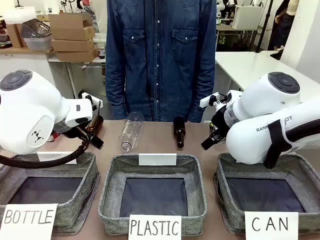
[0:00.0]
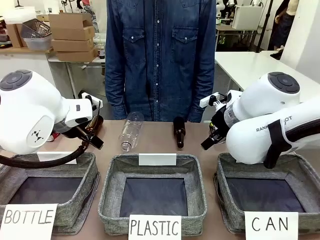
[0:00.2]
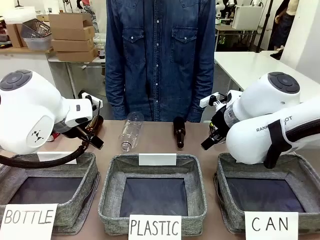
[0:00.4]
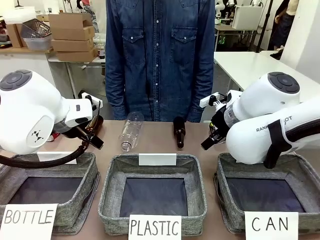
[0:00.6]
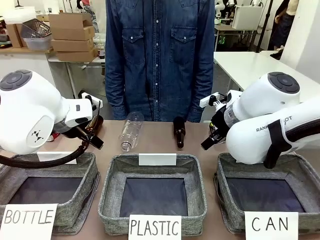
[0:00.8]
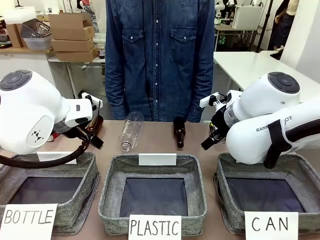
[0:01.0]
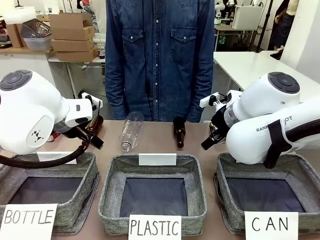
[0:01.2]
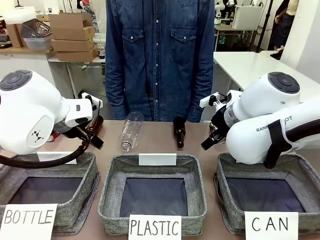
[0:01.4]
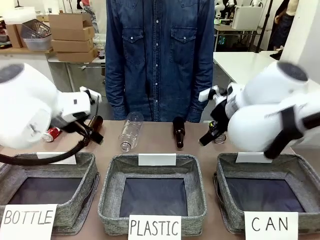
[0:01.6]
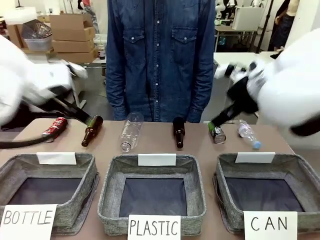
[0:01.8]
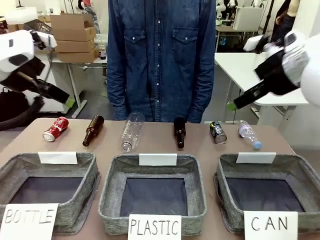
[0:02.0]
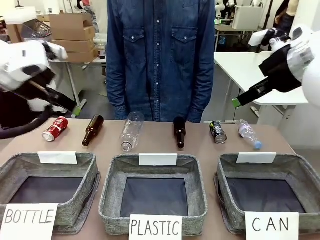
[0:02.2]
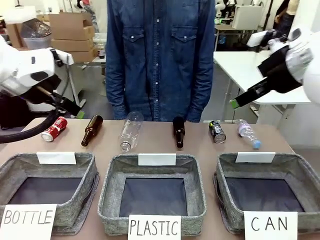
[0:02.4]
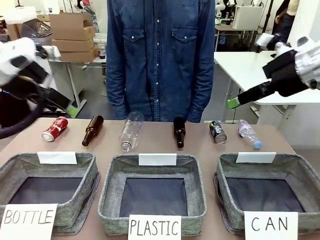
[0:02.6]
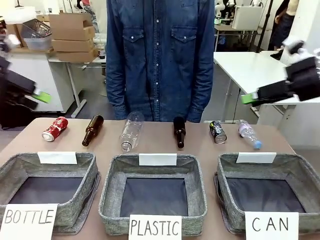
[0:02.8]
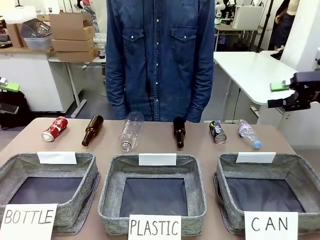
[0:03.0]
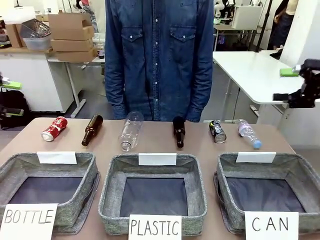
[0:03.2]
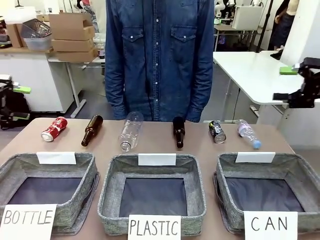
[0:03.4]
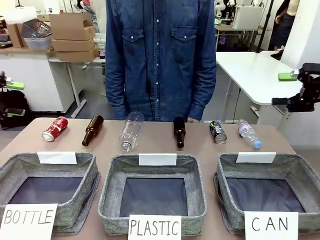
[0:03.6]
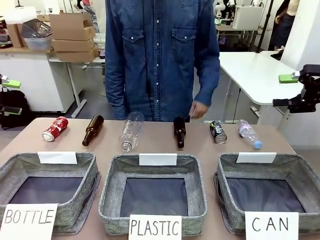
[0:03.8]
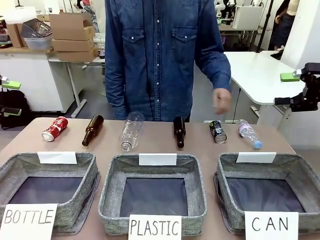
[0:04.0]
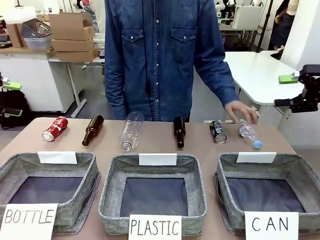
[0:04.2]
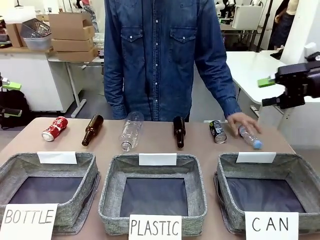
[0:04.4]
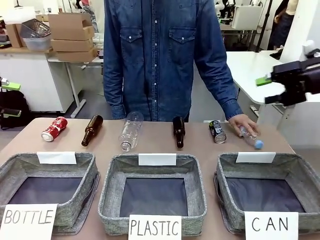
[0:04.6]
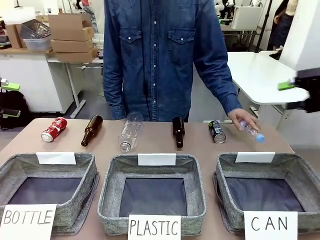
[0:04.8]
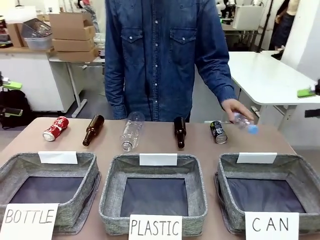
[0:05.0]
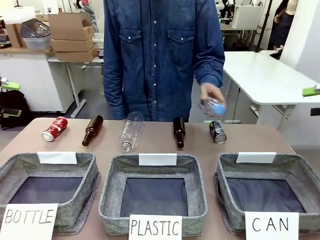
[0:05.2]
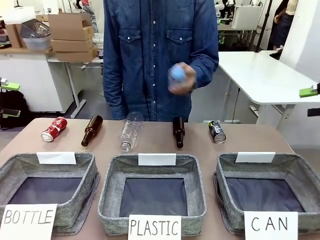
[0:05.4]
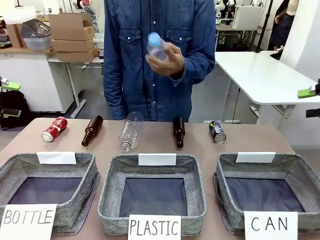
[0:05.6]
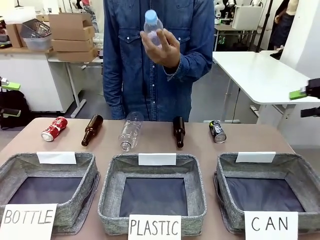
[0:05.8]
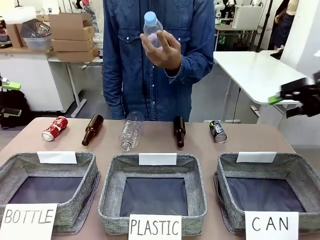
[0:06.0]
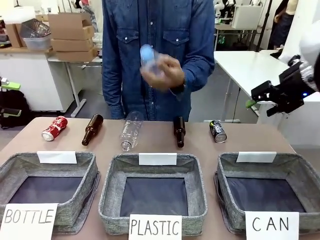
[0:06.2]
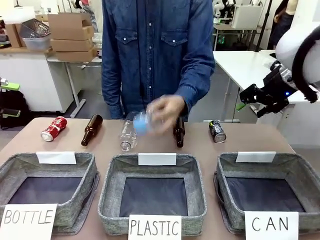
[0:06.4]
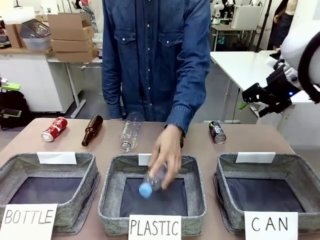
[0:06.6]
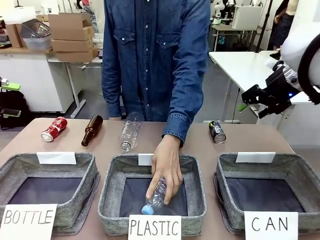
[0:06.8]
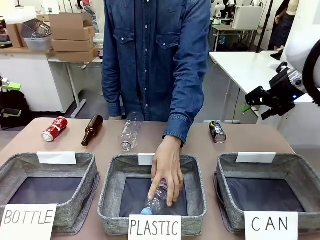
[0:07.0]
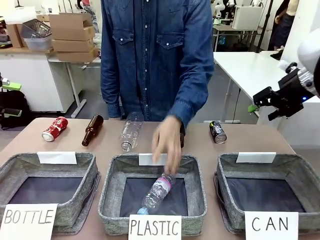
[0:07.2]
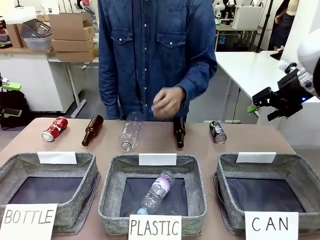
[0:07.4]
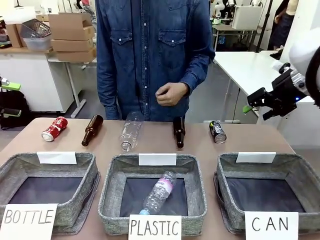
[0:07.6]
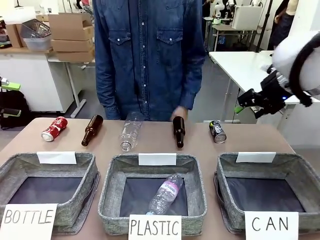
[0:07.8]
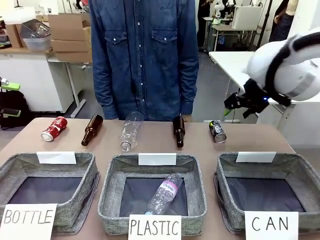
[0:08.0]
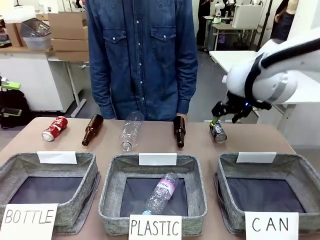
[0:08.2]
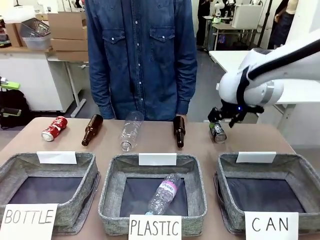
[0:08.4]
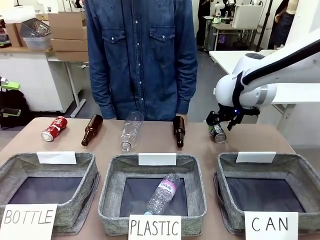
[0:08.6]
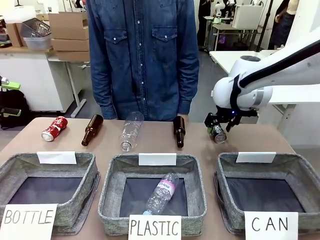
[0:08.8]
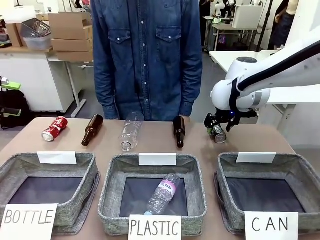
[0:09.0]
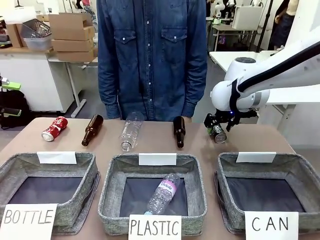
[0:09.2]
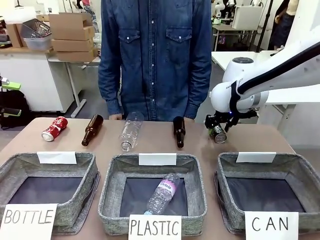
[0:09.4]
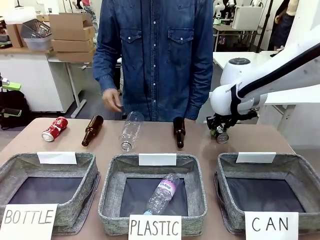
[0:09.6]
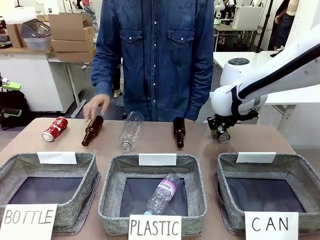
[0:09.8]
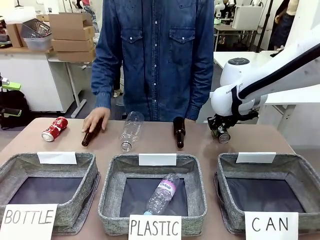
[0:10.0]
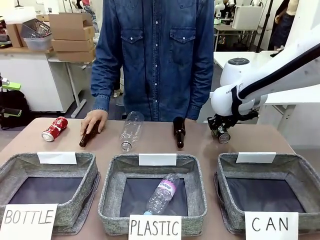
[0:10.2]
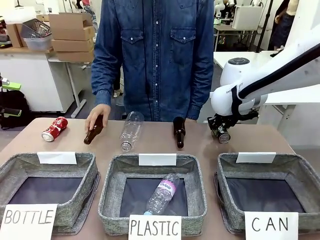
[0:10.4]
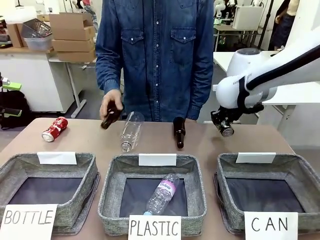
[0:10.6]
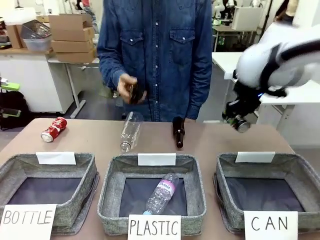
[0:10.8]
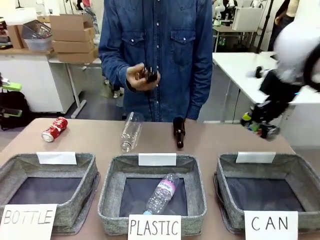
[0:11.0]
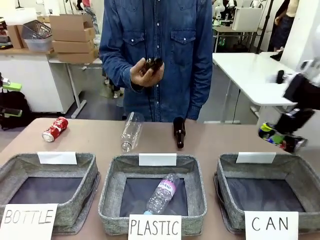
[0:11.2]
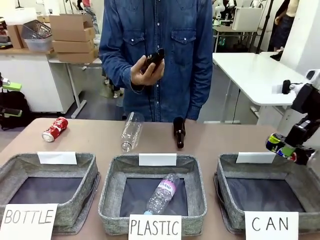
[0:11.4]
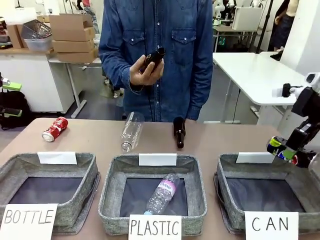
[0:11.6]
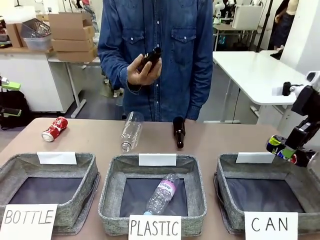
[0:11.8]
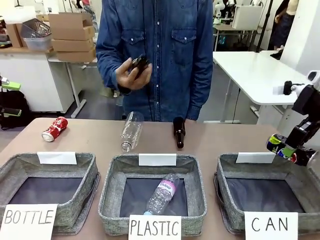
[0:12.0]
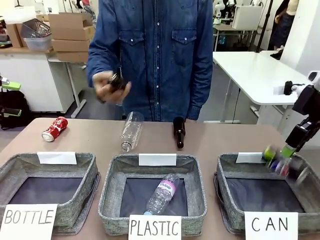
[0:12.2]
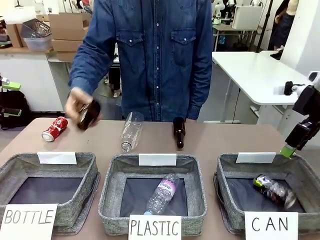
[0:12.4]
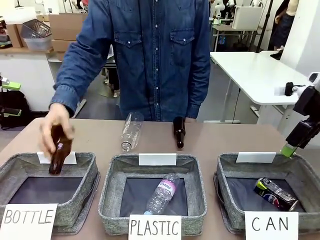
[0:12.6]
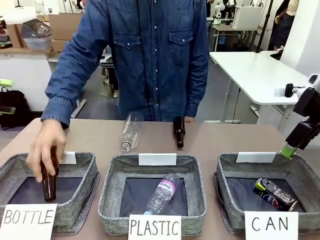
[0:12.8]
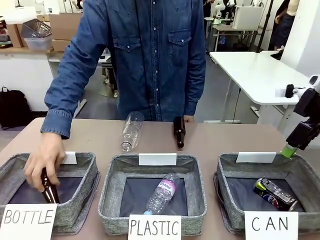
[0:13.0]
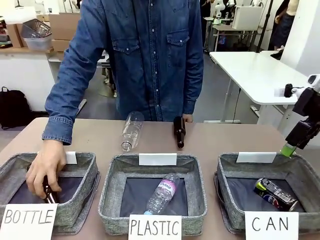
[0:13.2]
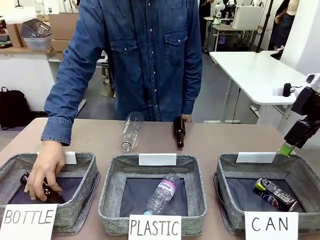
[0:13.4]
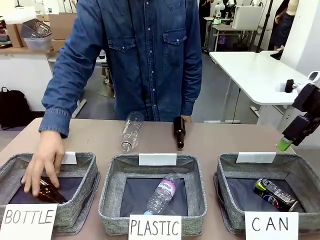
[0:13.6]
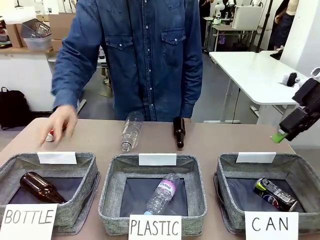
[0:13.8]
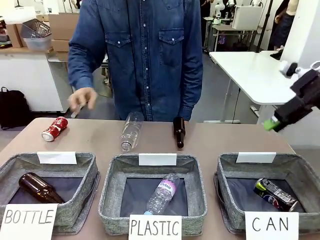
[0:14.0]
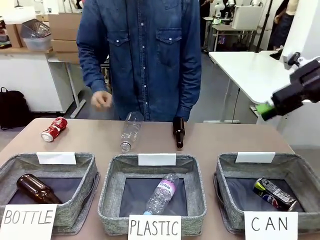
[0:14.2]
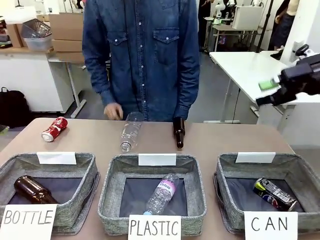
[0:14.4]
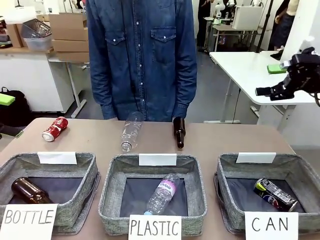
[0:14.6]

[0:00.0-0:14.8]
Task: Sort the can waste into the basket.
Robot: Pick up the can waste from the table and place it in the right Fabric basket.
